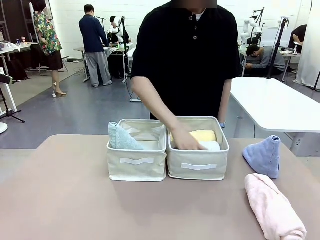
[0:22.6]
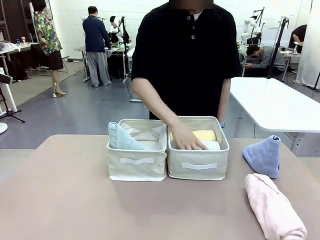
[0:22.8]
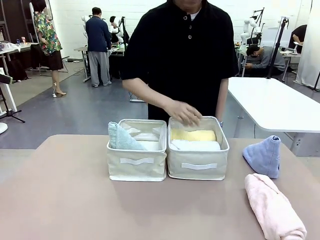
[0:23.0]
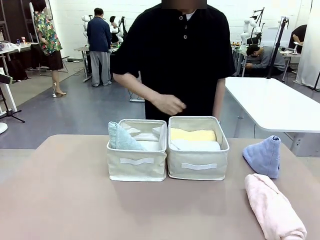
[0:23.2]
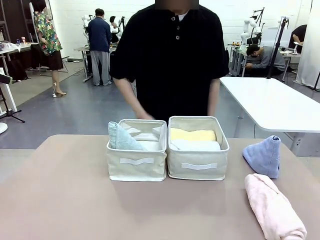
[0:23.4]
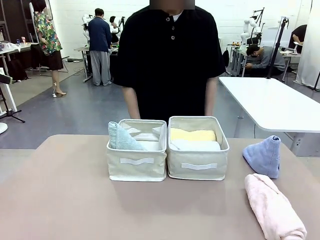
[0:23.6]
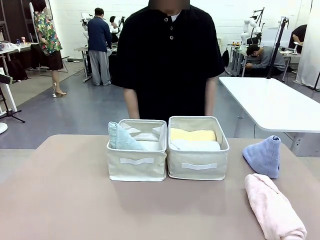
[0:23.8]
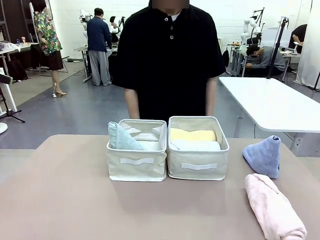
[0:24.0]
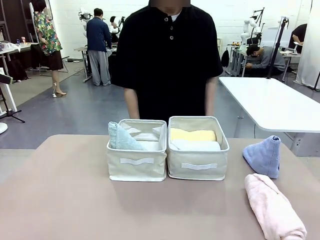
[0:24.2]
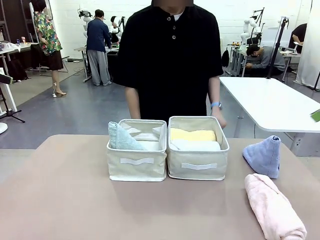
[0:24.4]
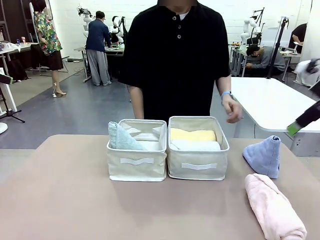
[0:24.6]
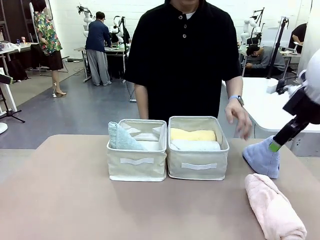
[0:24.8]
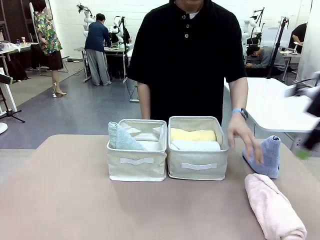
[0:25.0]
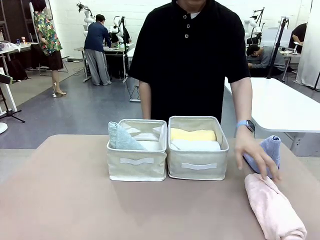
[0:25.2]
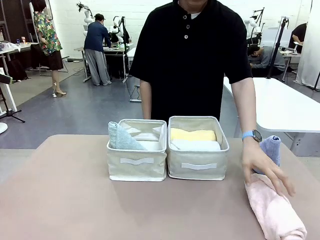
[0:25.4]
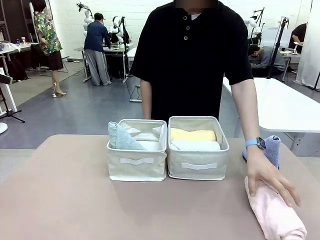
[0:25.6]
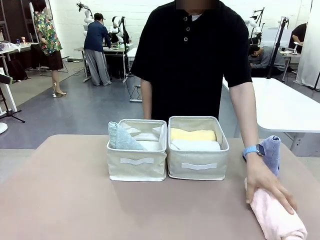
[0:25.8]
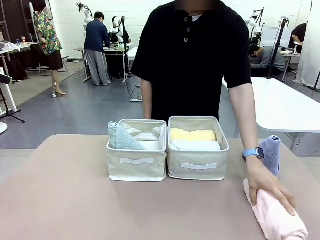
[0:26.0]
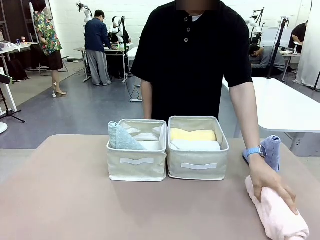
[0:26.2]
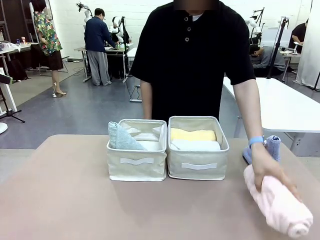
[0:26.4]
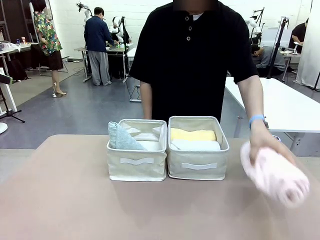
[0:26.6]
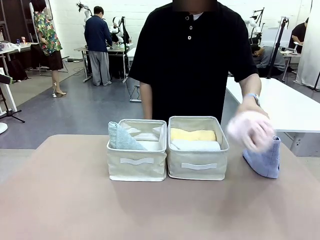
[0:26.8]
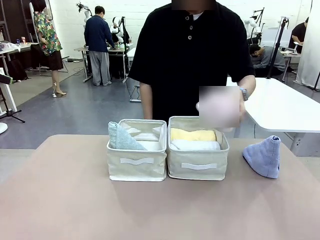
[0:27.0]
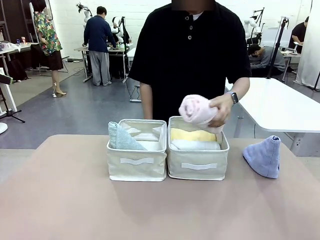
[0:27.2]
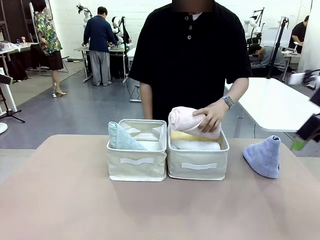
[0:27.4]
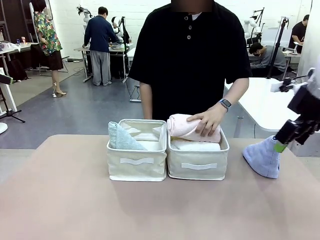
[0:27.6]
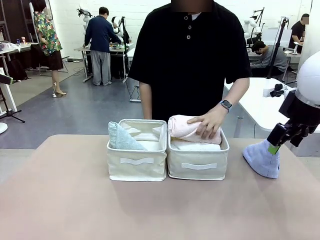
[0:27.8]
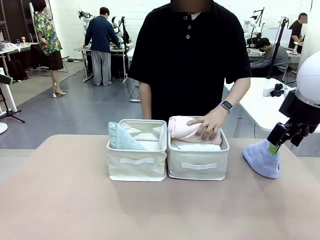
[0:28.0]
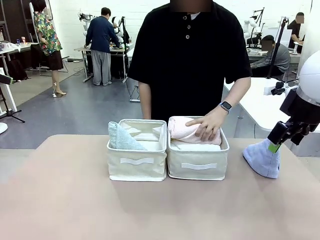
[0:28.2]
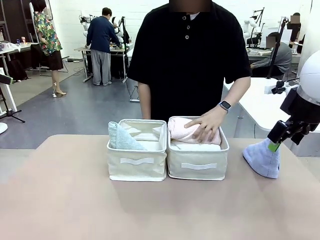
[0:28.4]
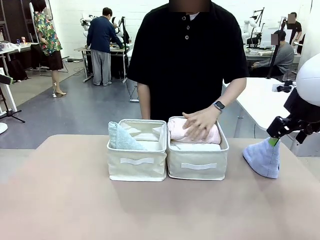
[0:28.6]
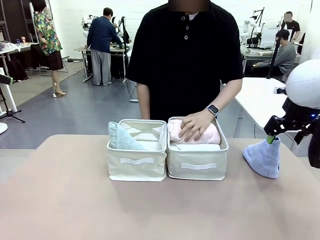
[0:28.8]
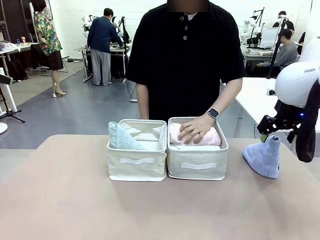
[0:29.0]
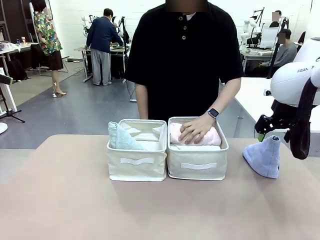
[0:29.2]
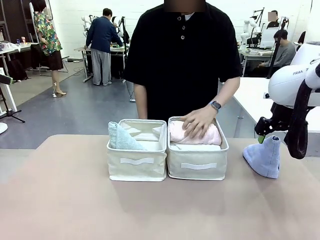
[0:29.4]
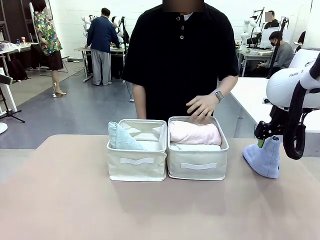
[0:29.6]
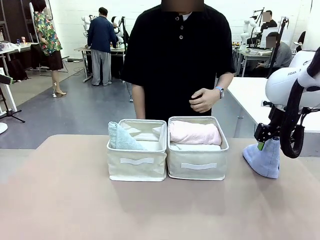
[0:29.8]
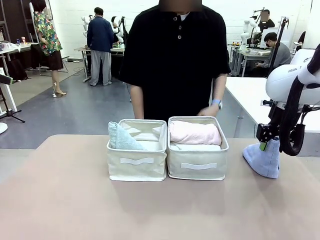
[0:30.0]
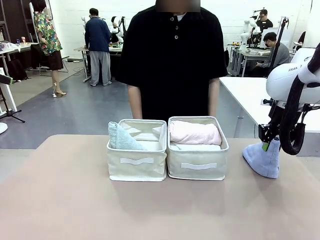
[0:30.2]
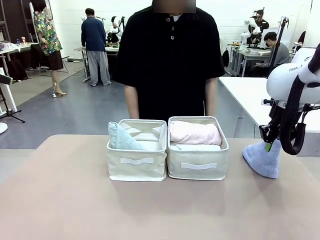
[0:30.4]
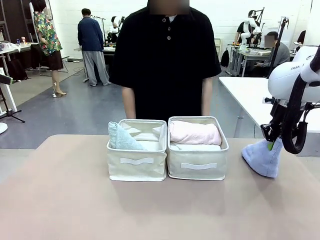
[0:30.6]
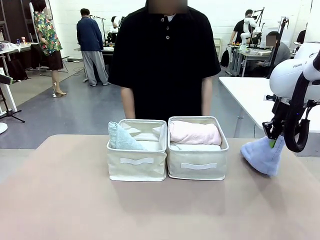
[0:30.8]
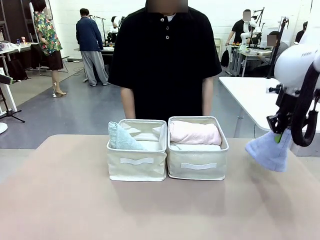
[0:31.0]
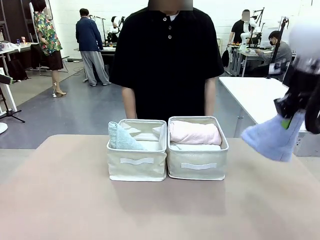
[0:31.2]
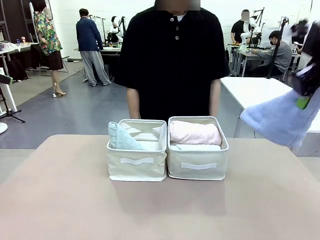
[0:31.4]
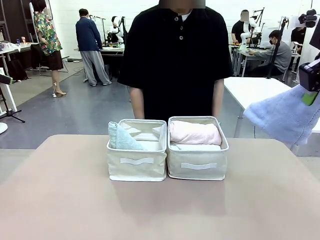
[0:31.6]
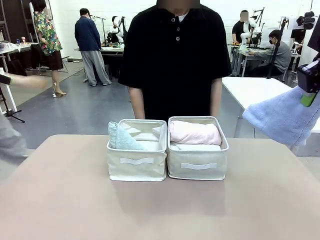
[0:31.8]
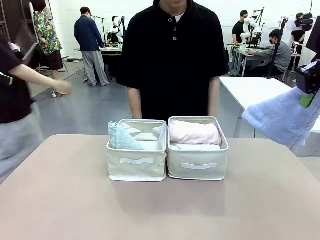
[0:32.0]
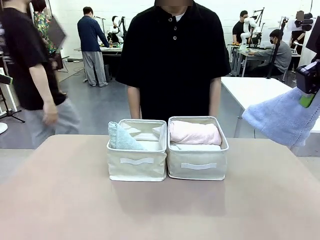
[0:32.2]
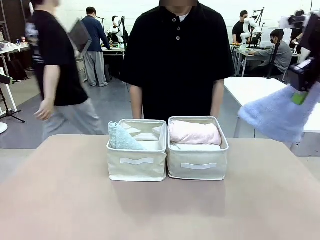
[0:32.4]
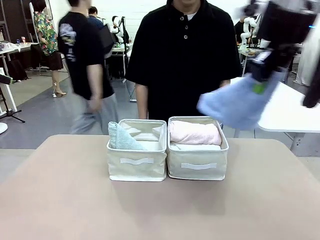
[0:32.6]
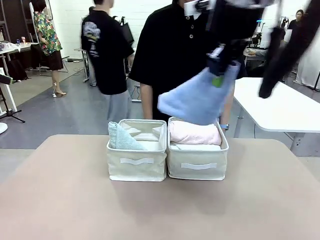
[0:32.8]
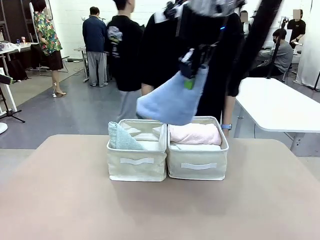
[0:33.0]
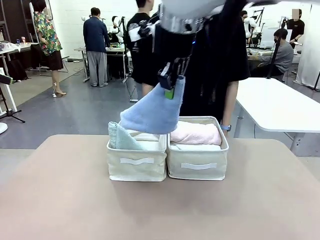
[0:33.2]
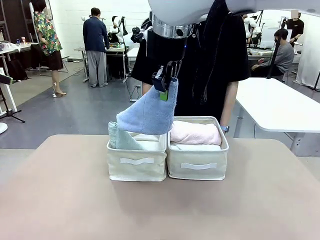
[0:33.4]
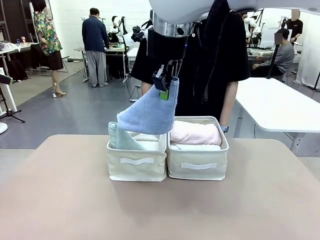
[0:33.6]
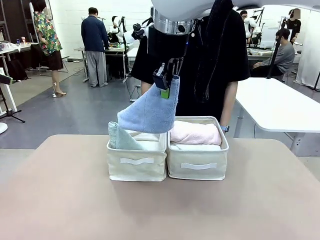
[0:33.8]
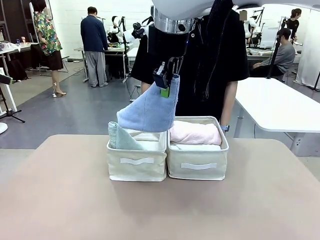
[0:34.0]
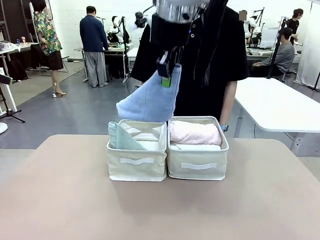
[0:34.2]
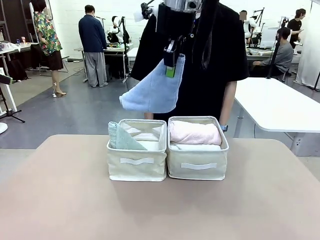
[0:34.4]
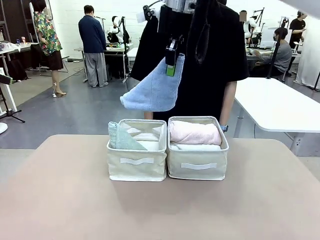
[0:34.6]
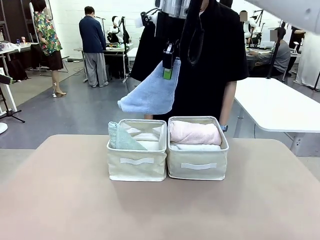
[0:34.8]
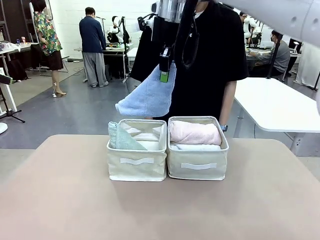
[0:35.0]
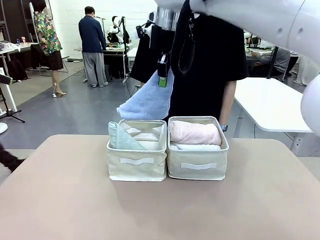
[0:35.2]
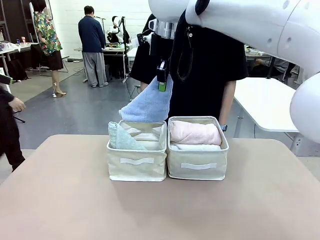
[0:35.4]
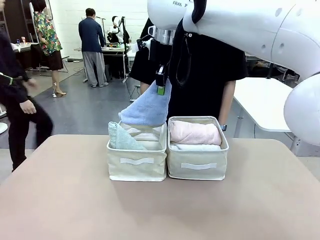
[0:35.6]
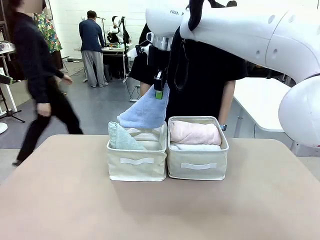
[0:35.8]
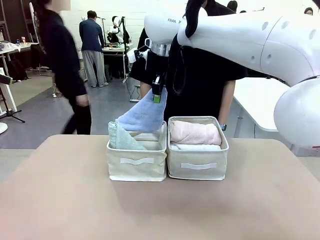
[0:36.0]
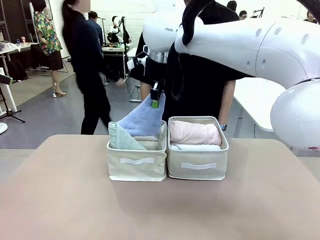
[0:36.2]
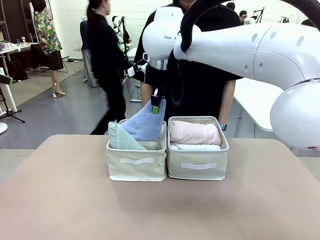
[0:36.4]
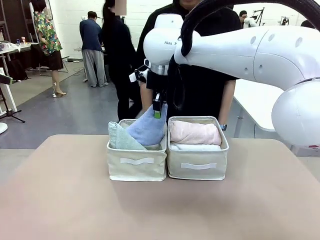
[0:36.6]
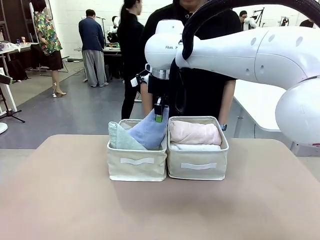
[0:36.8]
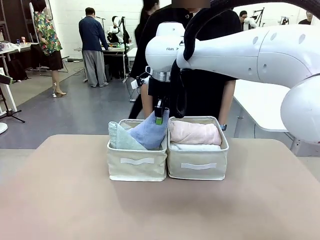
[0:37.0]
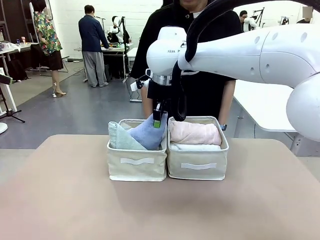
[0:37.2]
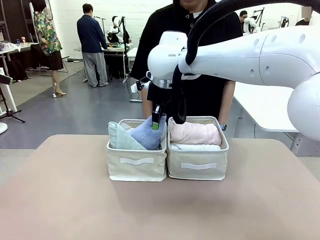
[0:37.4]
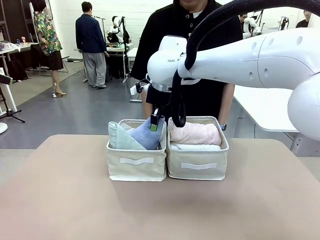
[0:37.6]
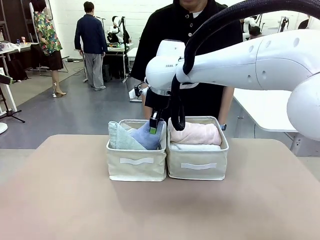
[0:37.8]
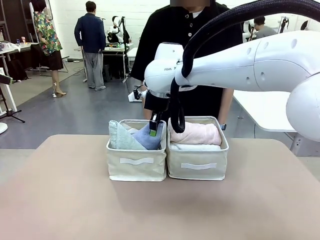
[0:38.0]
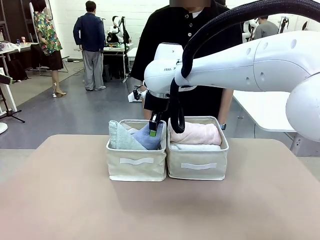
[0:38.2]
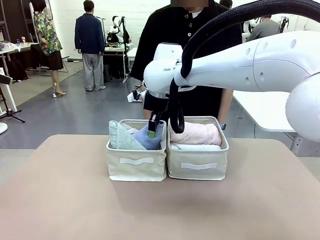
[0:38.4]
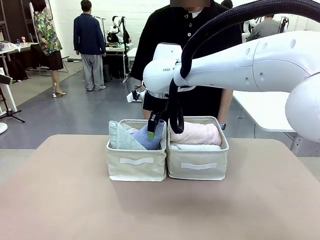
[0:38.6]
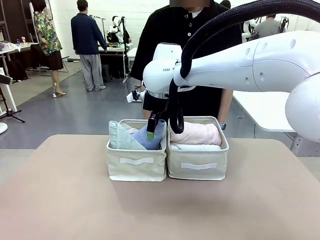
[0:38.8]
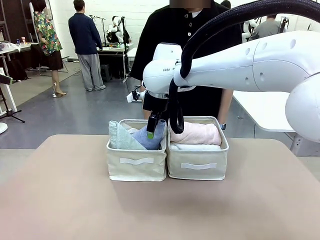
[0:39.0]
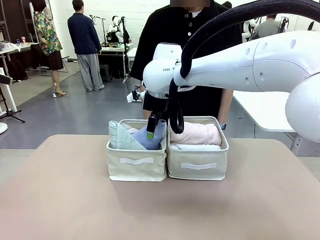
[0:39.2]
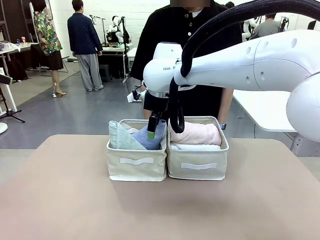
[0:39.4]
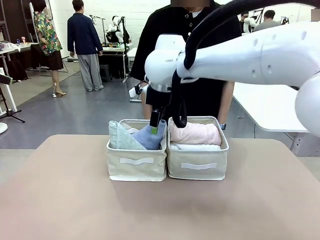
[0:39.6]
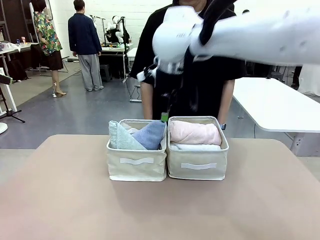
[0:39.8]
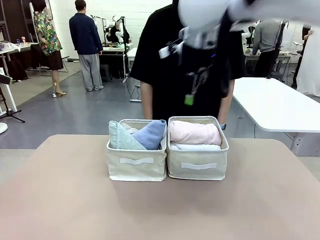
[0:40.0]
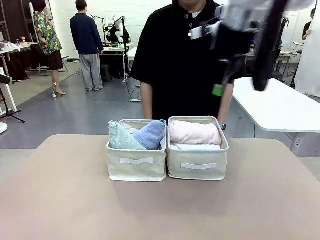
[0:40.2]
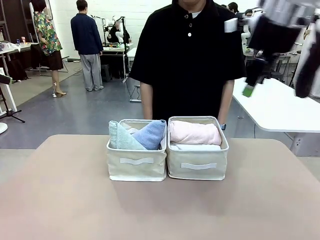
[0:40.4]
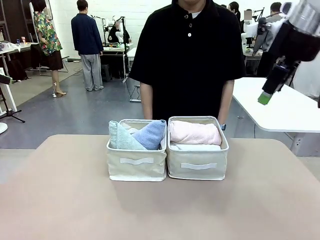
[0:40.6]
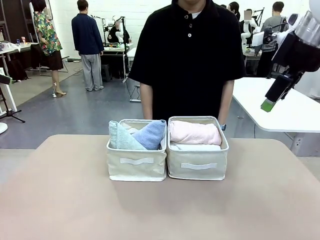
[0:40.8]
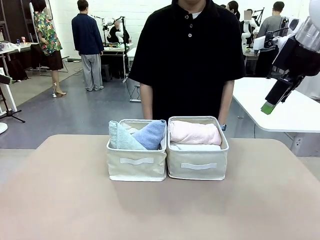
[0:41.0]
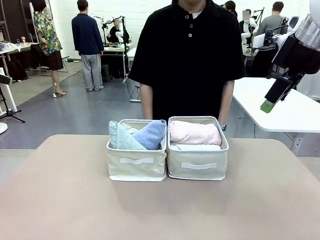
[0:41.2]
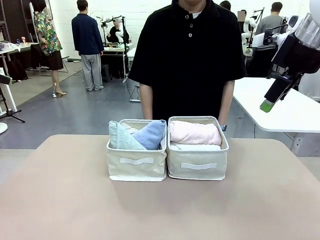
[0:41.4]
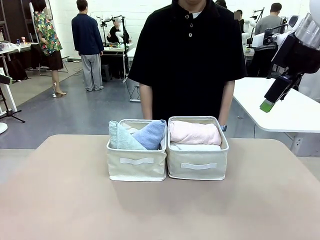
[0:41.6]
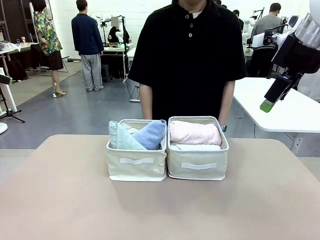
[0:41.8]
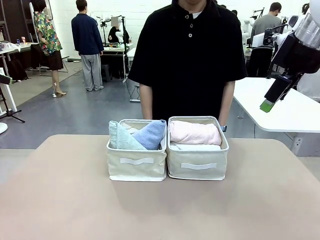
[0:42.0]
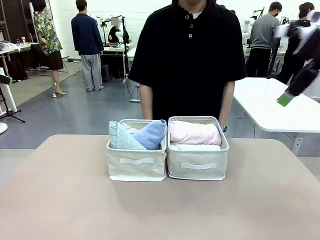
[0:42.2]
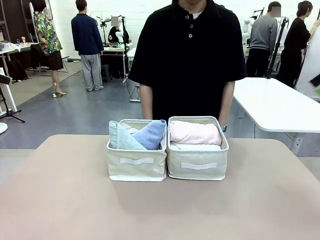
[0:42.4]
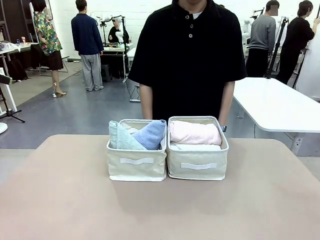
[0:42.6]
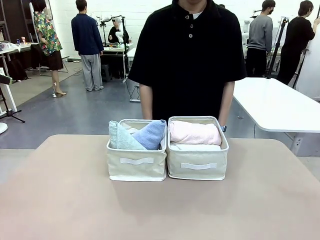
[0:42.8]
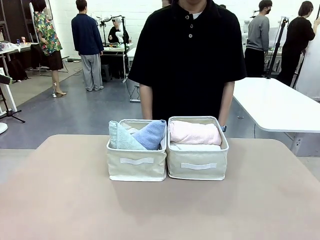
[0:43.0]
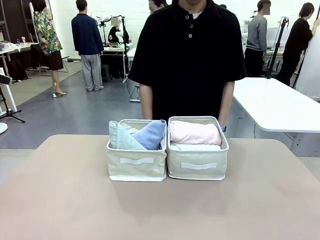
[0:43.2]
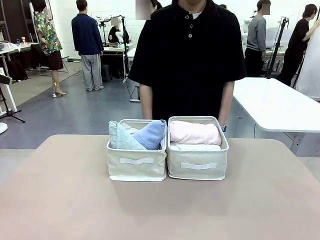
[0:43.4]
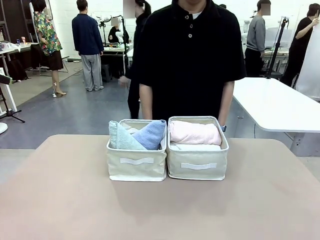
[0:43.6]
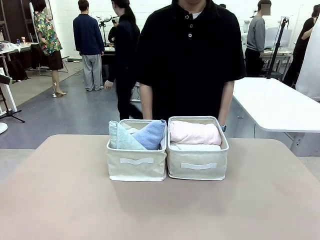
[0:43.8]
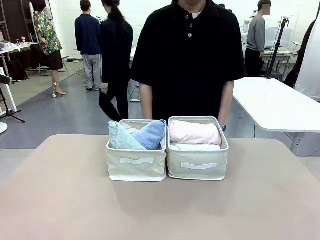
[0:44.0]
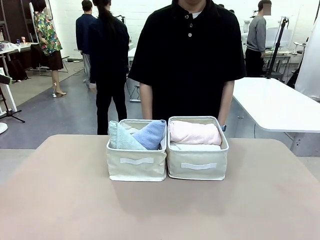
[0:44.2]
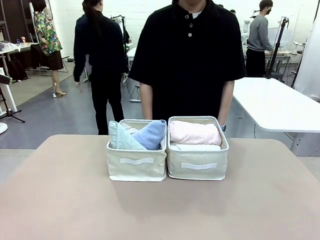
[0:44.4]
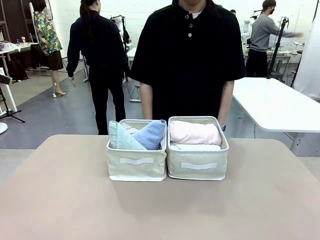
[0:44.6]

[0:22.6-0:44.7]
Task: Sort the towels based on their folding style.
Robot: Pick up another triangle-folded towel from the table and place it in the left Fabric basket.
Person: Pick up one hotel-style rolled towel from the table and place it in the left fabric basket.
